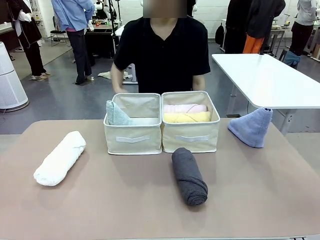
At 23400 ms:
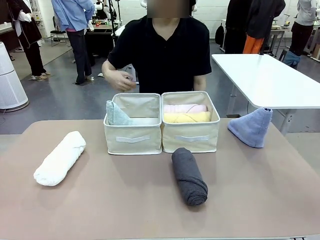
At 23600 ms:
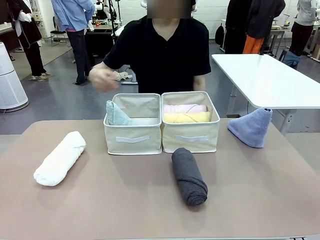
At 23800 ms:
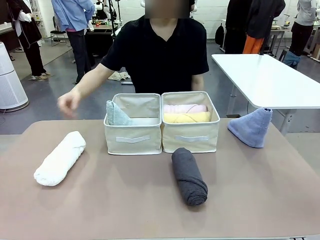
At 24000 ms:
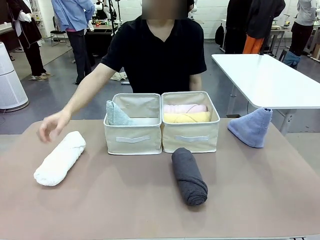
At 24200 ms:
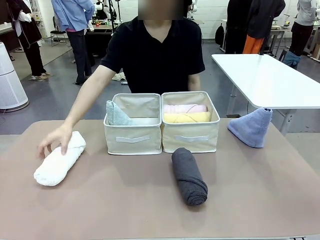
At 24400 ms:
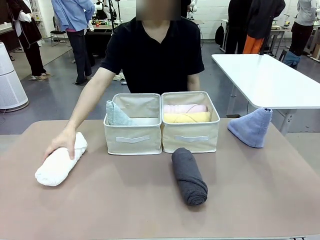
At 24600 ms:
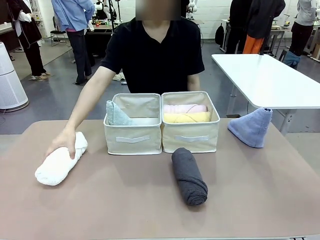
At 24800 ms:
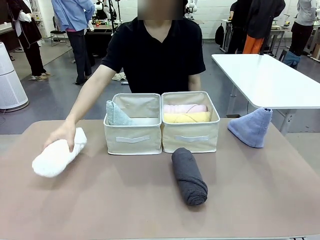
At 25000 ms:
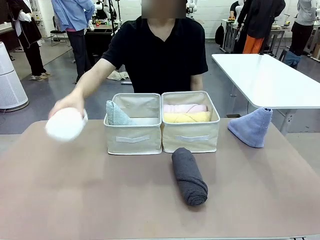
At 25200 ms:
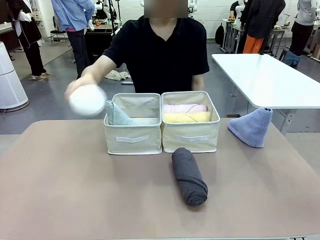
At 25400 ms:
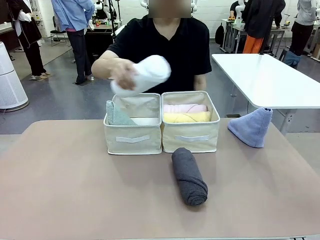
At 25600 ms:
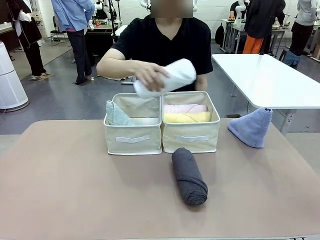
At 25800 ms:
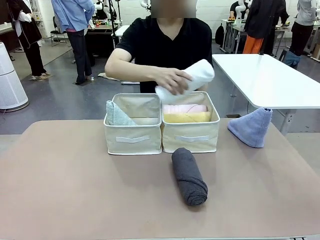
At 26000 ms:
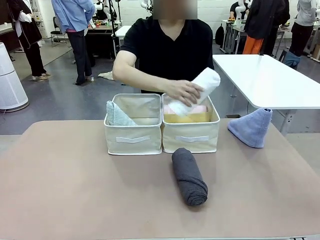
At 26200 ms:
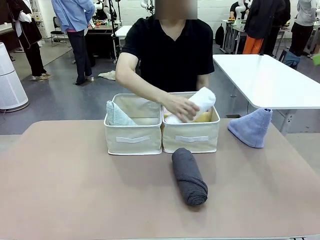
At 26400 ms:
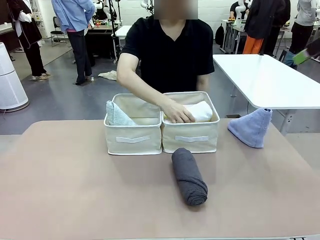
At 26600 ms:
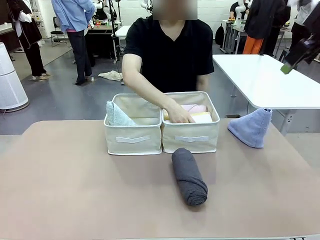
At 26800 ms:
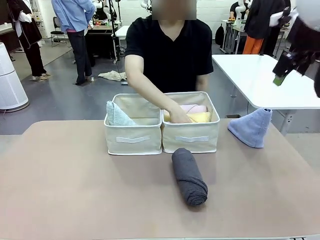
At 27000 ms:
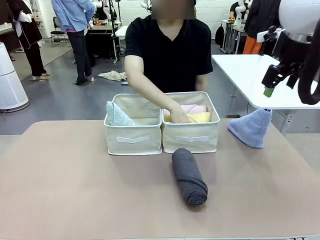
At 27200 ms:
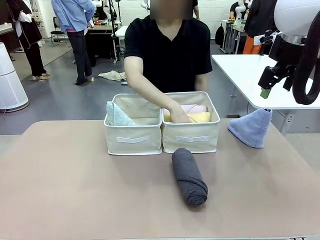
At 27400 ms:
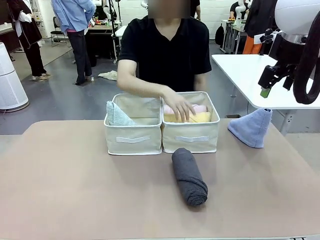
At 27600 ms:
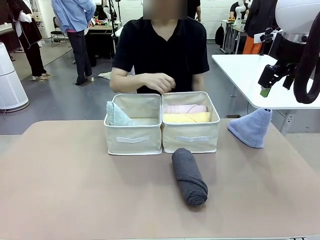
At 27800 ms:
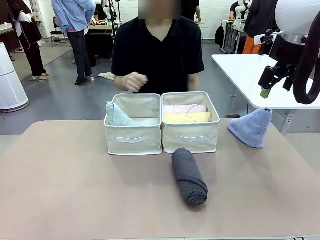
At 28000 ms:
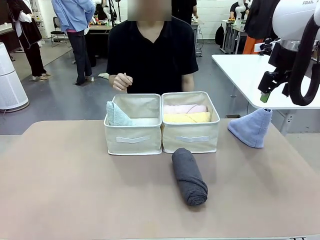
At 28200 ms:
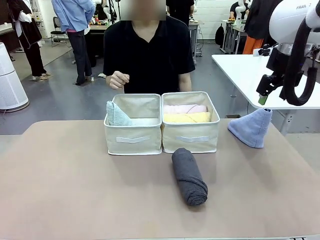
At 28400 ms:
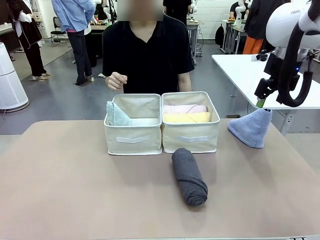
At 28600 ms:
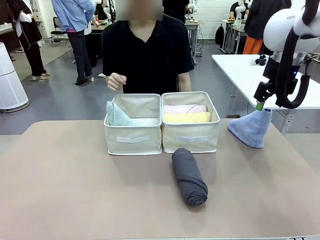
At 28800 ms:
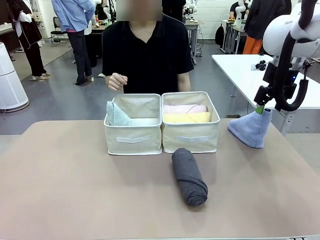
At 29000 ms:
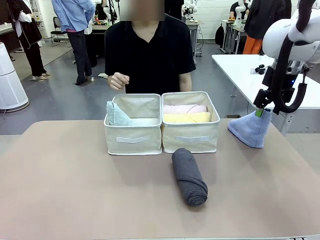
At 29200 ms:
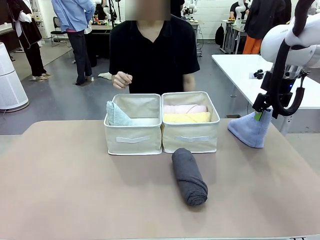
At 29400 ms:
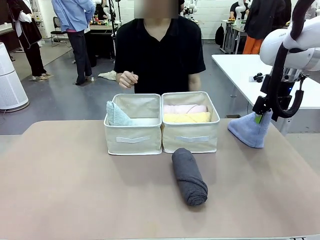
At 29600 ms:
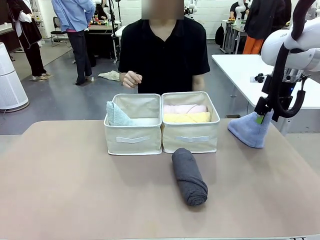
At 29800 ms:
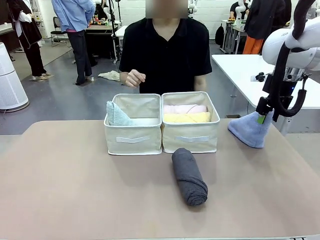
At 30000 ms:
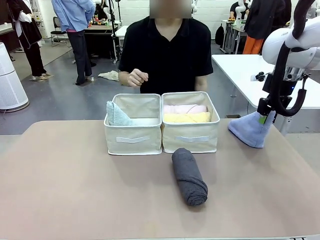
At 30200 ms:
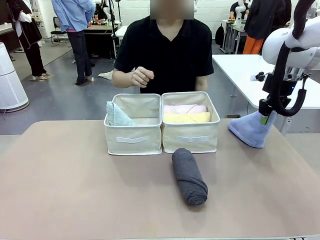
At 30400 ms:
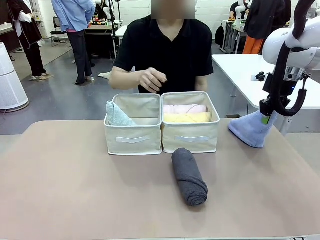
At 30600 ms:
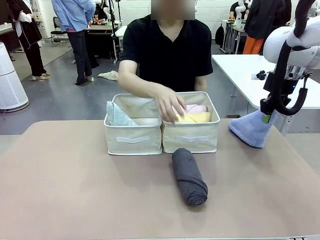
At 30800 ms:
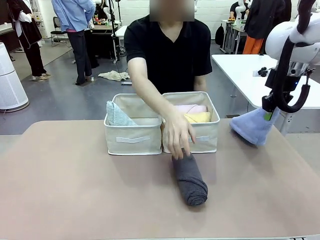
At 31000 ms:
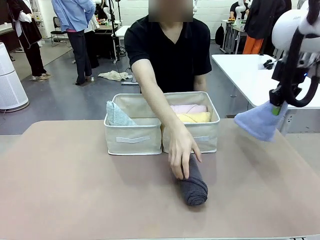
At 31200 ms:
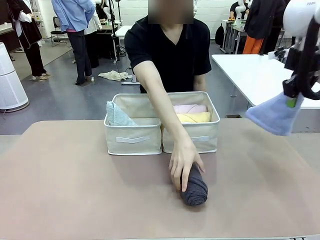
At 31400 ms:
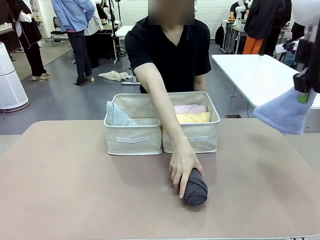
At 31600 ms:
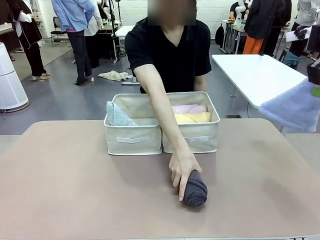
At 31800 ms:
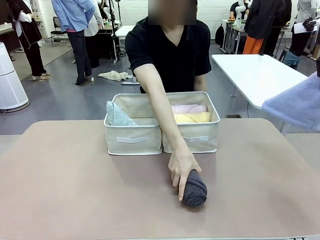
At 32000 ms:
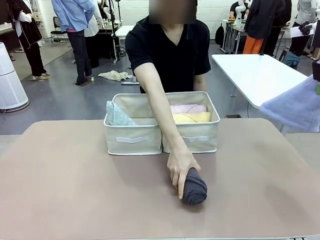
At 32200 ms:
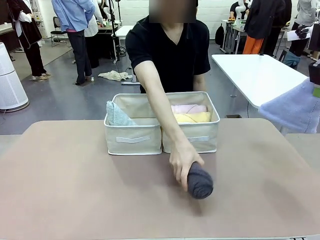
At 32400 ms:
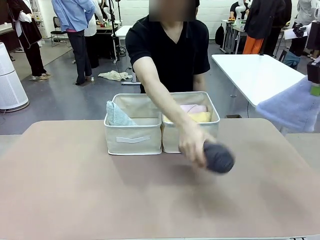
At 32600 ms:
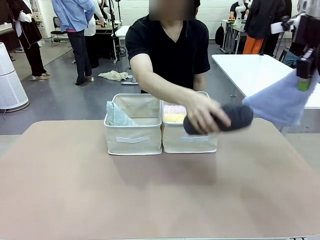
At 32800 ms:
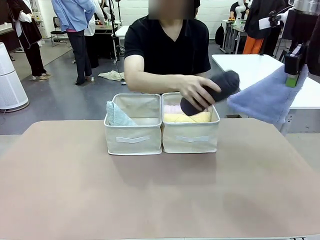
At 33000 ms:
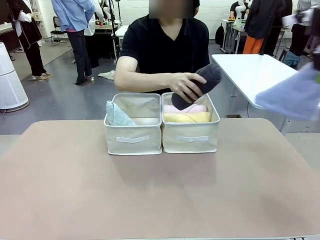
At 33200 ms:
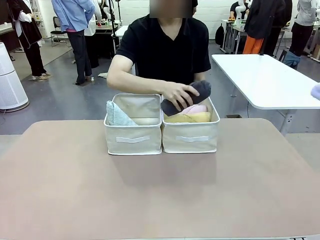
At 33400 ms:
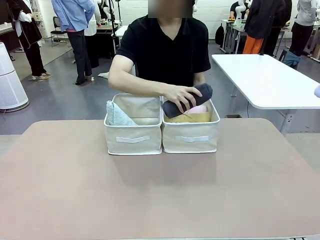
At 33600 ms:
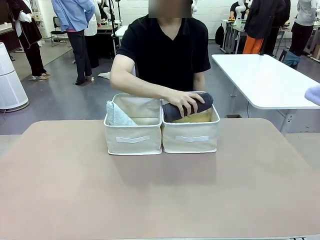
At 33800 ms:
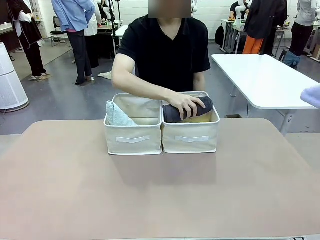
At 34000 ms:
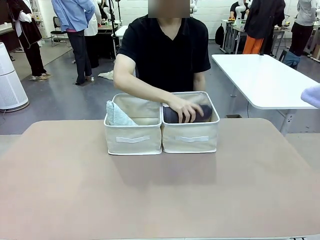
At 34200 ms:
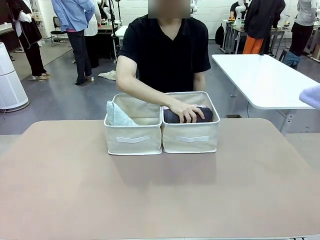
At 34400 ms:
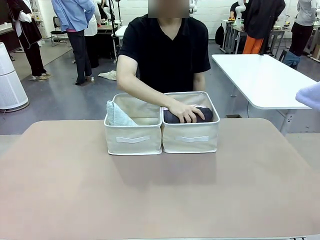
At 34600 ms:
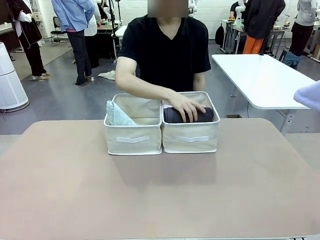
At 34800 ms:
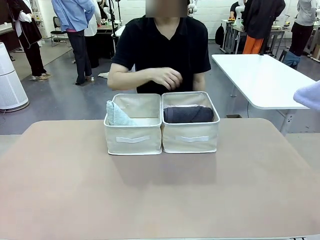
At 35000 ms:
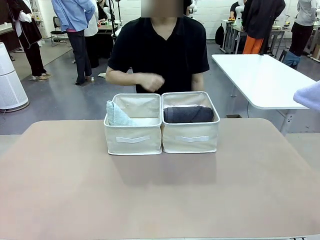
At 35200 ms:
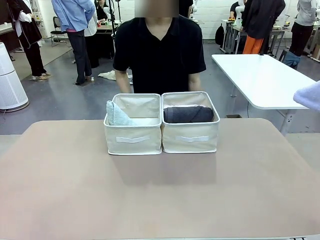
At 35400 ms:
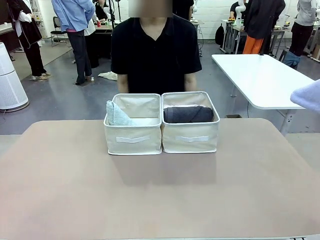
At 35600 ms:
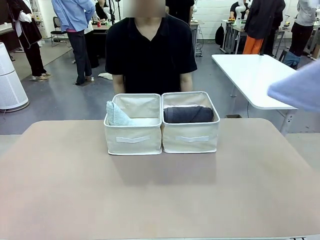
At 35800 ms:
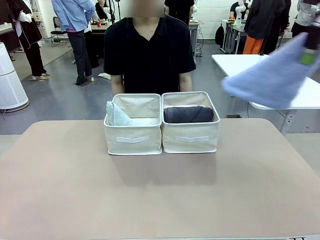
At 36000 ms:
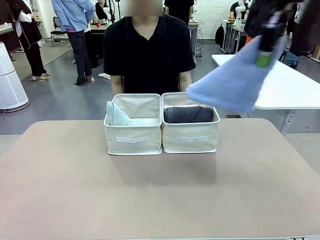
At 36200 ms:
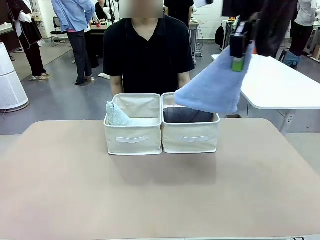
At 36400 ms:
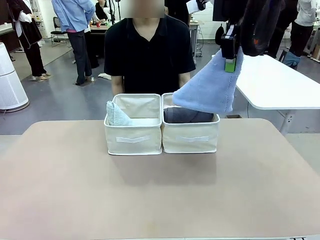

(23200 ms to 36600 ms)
Task: Sort the towels based on their folding style.
Robot: Pick up another triangle-folded towel from the table and place it in the left Fabric basket.

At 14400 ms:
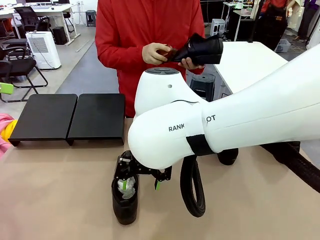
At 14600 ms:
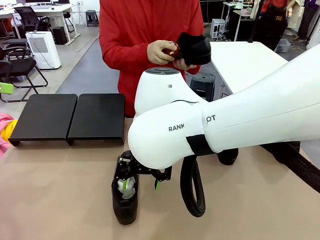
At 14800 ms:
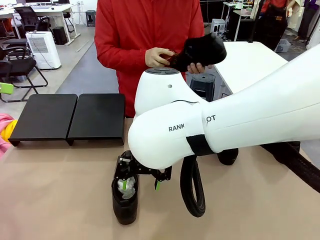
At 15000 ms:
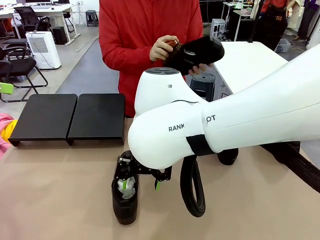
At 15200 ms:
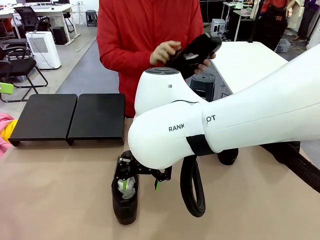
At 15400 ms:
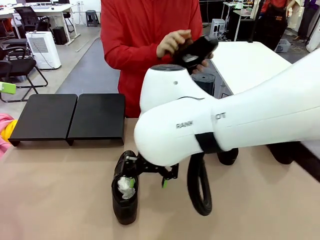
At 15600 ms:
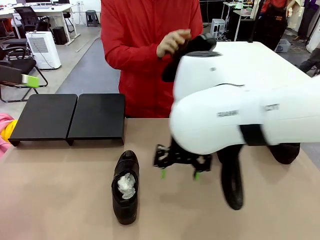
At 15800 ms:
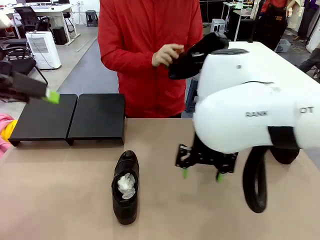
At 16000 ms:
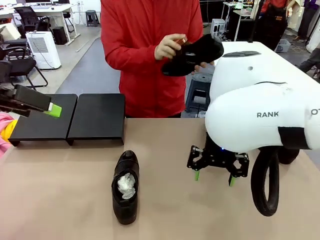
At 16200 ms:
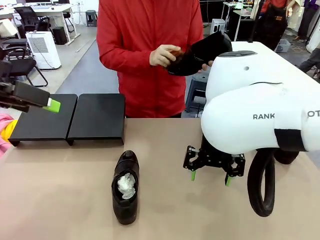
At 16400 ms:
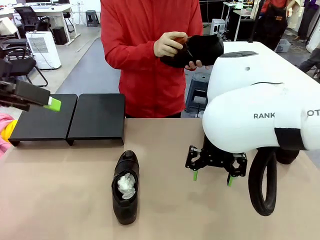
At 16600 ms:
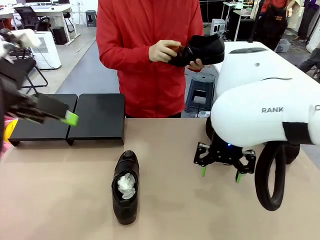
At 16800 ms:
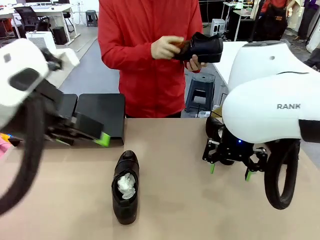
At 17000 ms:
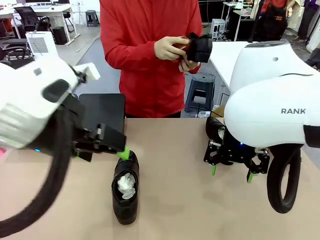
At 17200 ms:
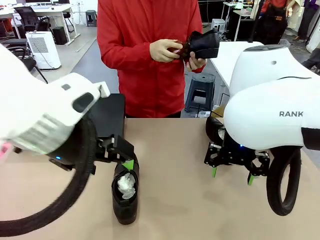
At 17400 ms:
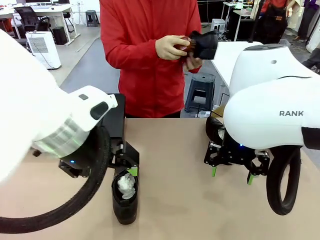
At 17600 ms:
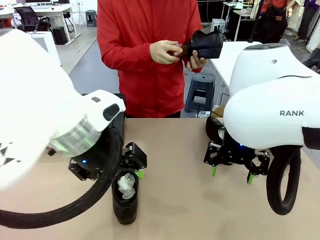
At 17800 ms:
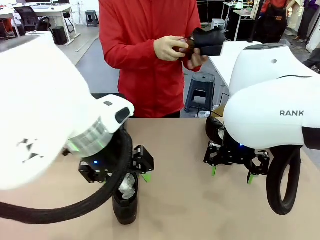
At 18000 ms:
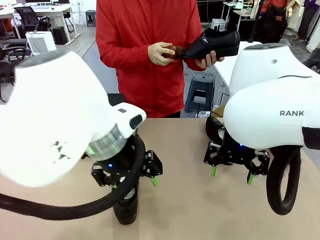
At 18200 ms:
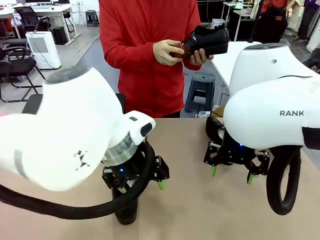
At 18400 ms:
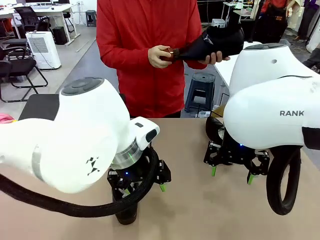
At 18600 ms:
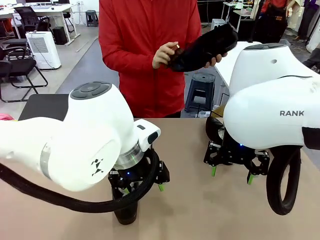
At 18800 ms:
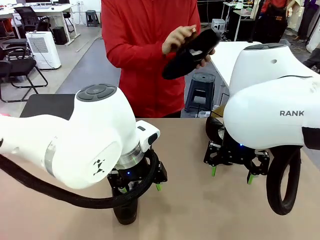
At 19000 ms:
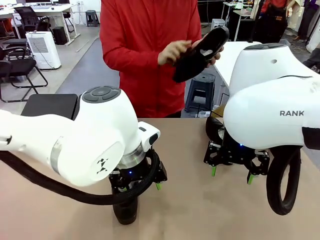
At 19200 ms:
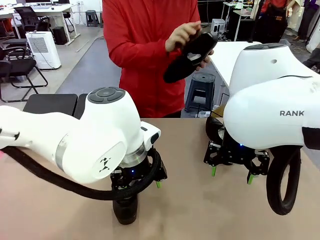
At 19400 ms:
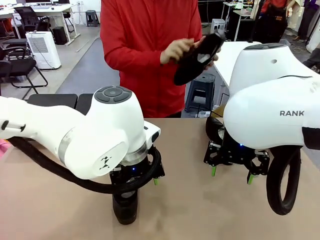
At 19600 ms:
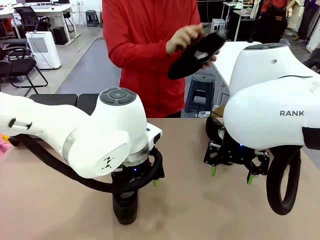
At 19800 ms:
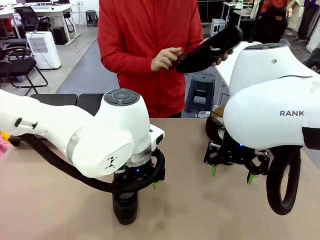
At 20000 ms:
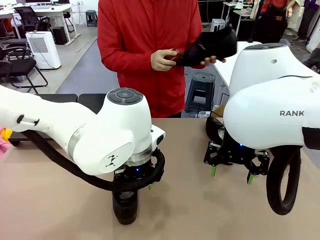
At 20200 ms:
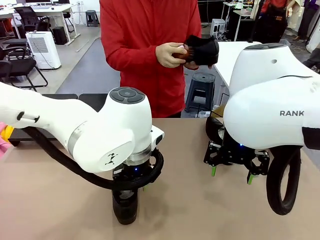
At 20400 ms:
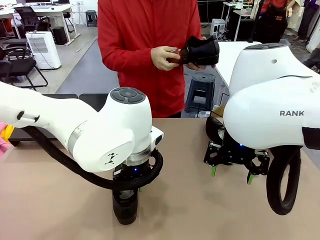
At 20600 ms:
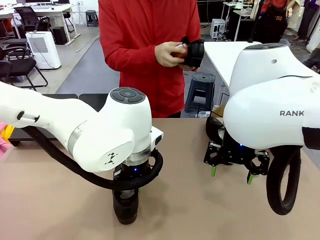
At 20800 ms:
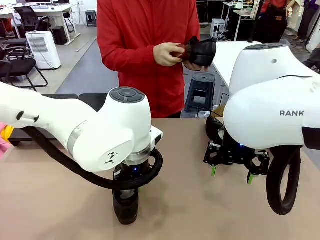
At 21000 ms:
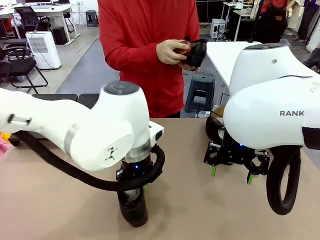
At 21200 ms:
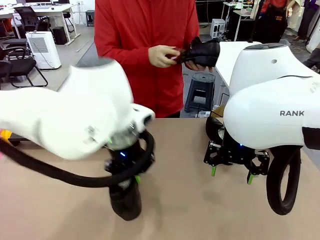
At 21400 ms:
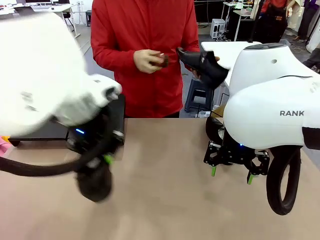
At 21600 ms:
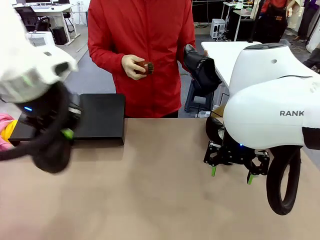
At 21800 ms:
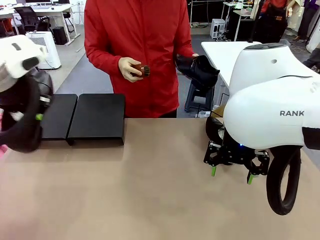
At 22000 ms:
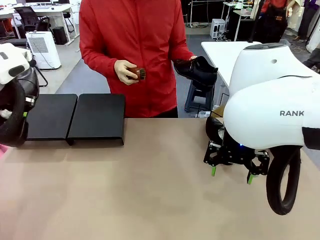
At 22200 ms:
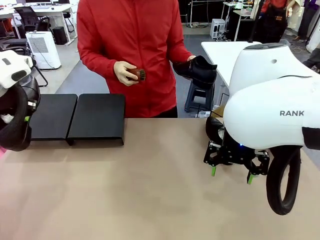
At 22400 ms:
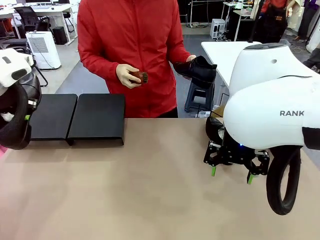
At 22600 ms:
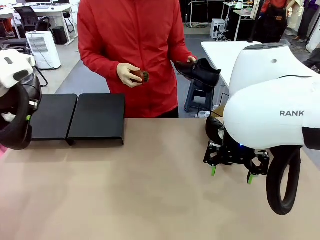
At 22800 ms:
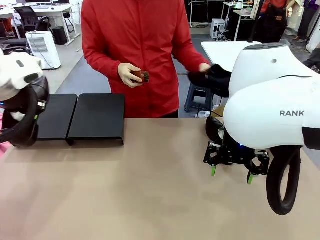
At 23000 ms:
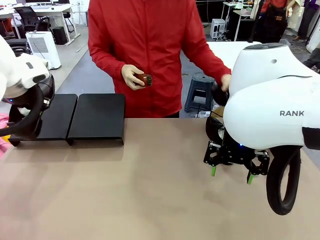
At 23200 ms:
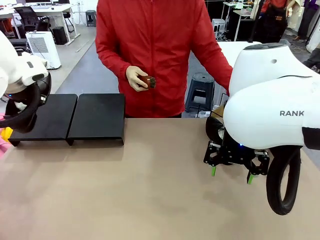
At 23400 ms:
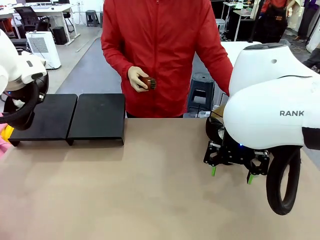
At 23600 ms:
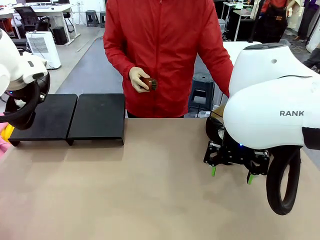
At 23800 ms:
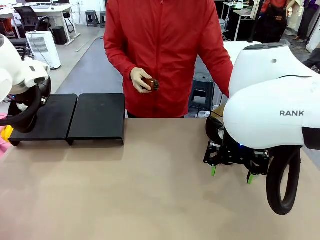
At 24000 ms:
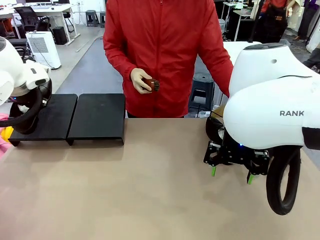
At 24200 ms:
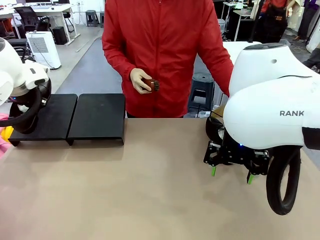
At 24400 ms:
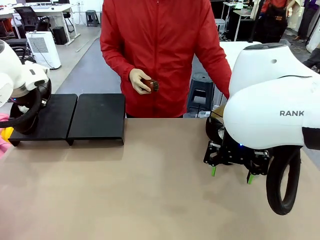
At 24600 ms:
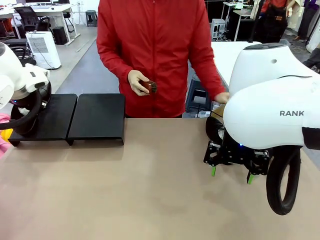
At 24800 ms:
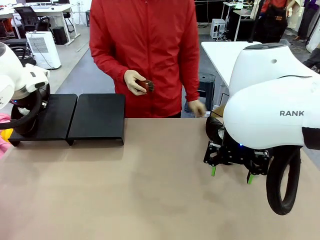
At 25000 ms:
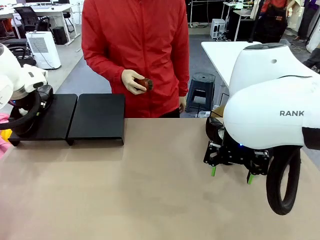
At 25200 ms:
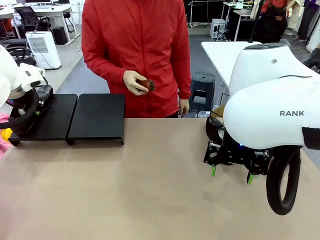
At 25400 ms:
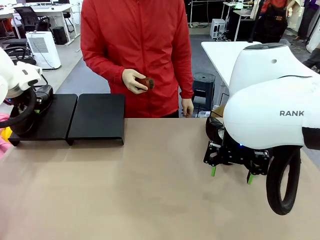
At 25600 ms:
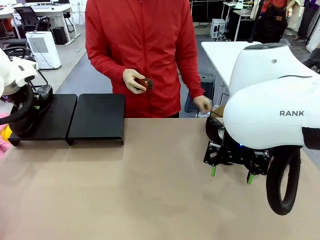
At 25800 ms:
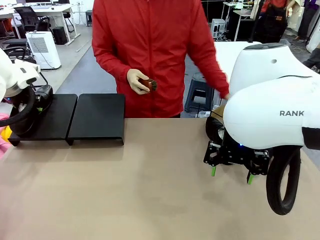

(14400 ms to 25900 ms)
Task: Organize the shoes by placing them on the stand.
Robot: Place the Shoe from the middle of the table onto the Shoes Stand.
Person: Place the Shoe on left side of the Robot's table.
